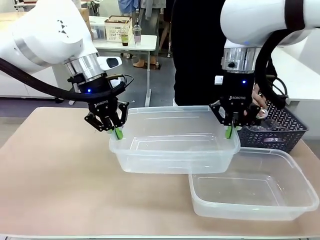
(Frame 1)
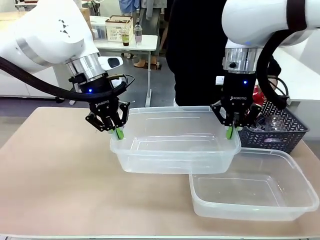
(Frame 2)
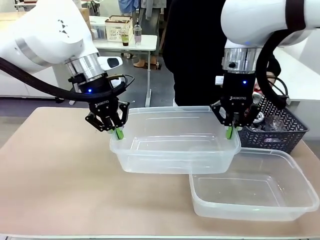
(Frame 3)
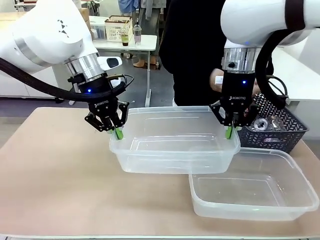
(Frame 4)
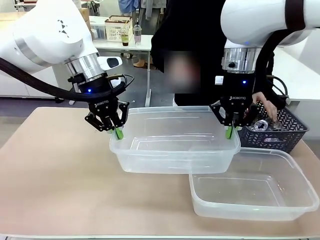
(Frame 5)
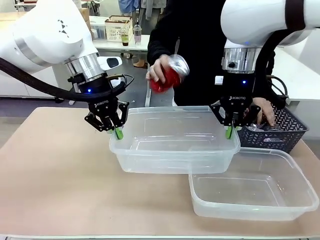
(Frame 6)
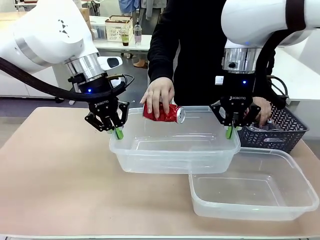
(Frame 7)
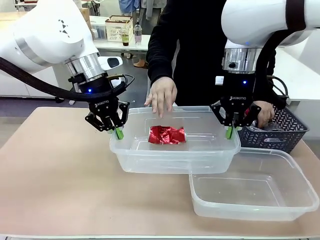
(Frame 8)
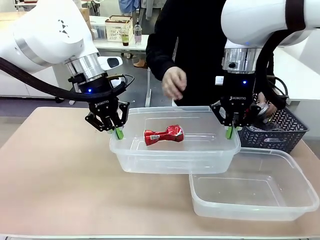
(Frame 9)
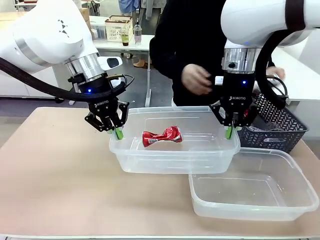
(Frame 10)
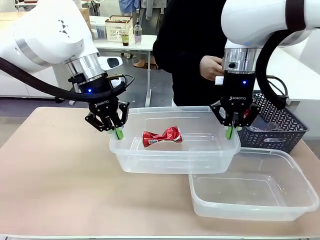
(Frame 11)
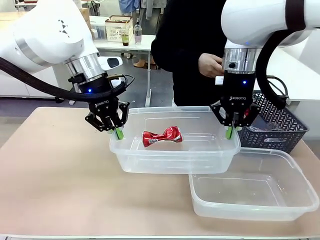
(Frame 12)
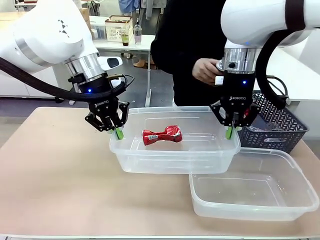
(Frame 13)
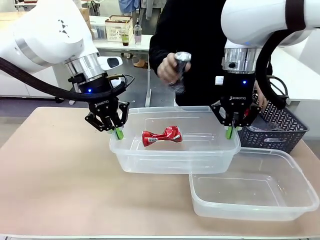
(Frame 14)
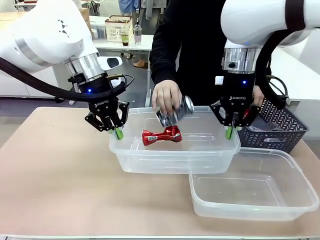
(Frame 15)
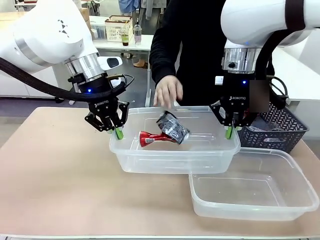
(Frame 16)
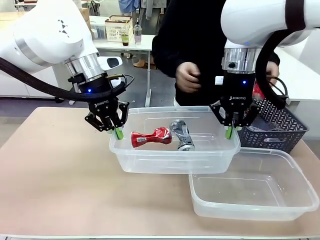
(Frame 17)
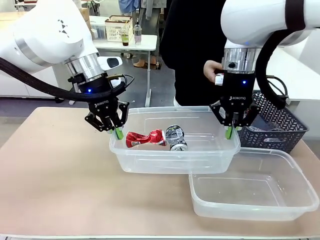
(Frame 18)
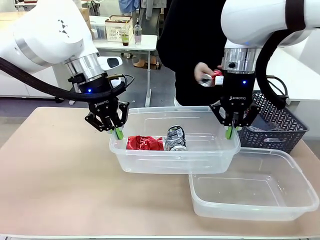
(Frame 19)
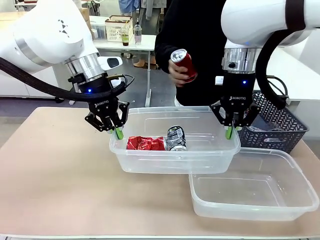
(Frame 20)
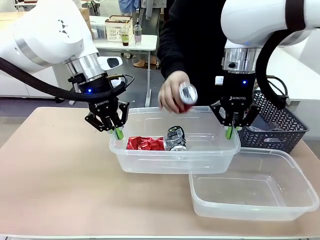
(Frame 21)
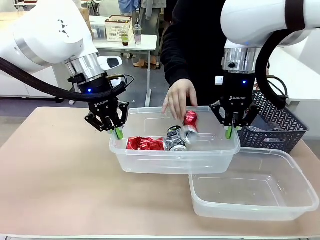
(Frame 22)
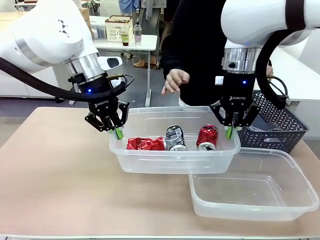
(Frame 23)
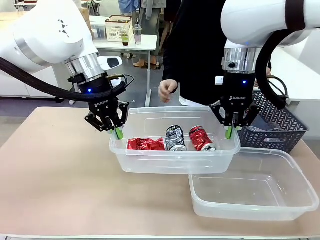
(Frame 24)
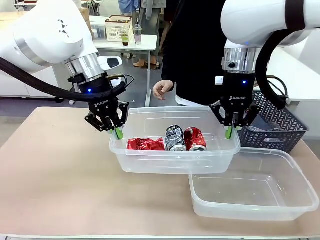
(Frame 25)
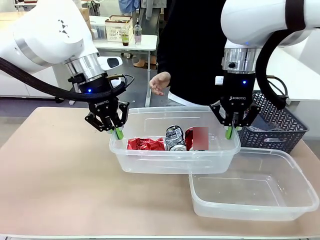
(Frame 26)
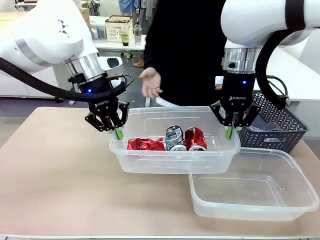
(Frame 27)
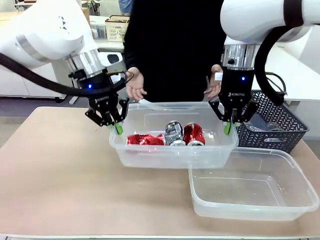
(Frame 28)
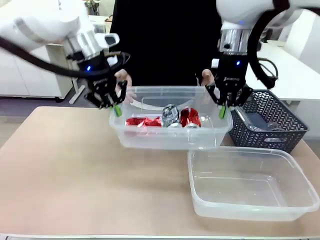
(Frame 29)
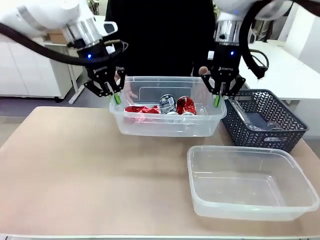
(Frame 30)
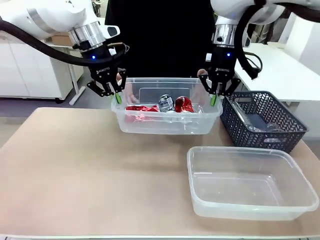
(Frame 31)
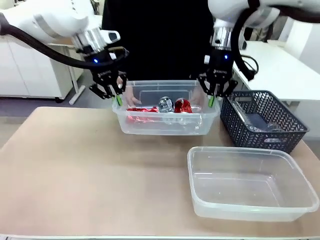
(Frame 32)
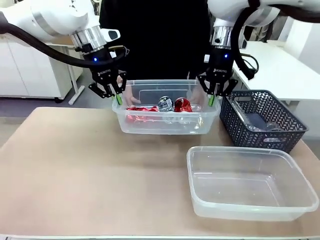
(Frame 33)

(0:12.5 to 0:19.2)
Robot: Offer the picked Organizing box to the human.

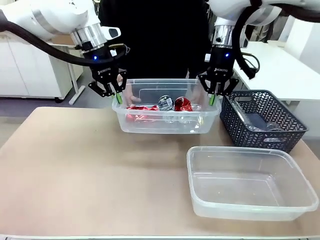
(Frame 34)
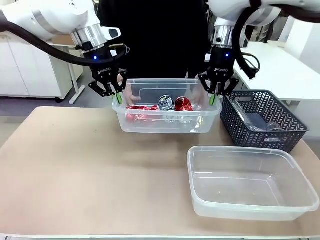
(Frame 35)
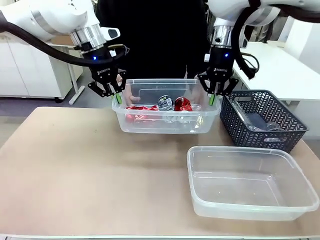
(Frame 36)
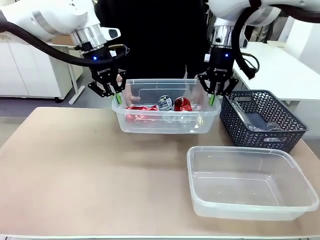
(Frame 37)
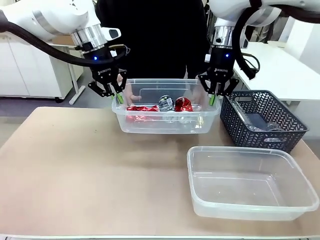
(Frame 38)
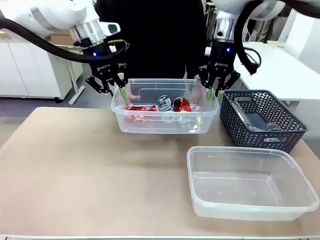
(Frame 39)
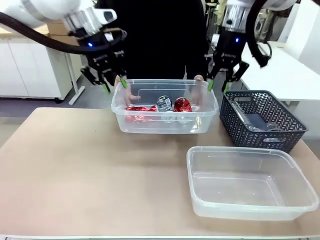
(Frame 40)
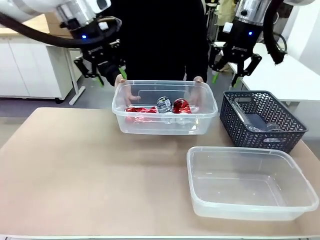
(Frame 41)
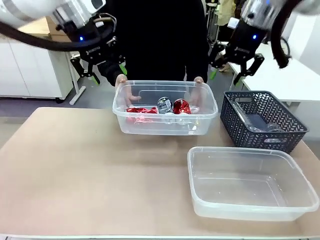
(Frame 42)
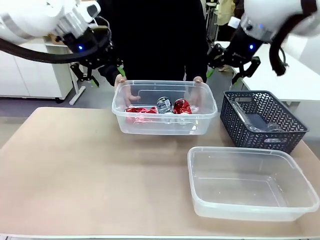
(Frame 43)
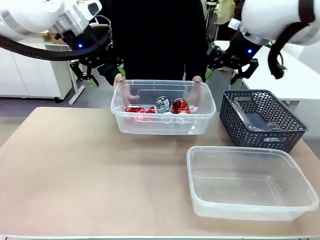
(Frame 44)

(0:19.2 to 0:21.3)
Robot: Release the Organizing box you were holding.

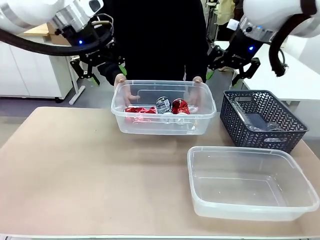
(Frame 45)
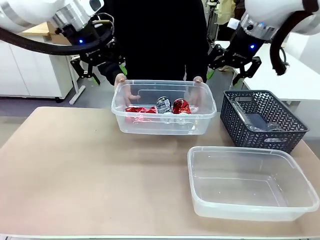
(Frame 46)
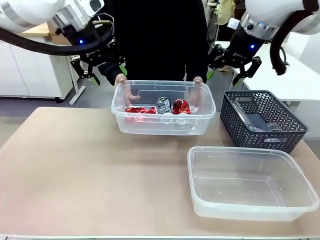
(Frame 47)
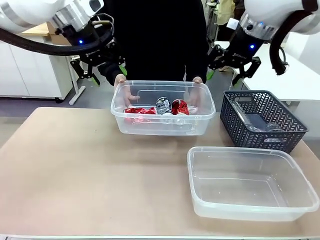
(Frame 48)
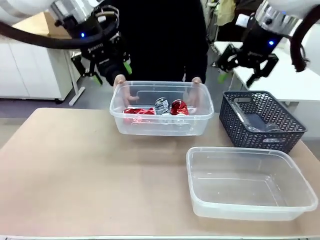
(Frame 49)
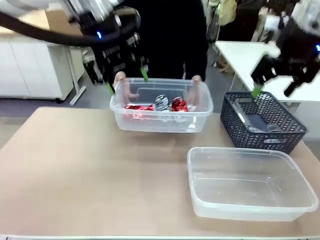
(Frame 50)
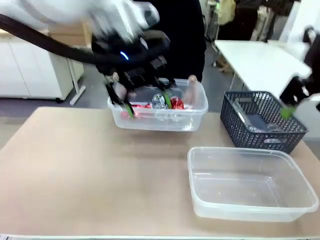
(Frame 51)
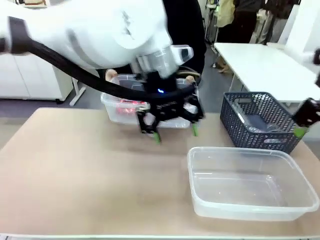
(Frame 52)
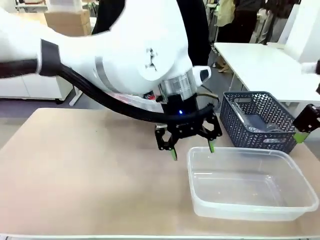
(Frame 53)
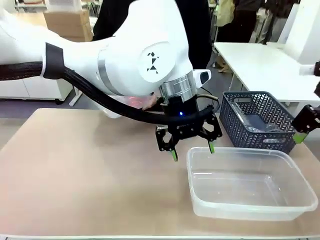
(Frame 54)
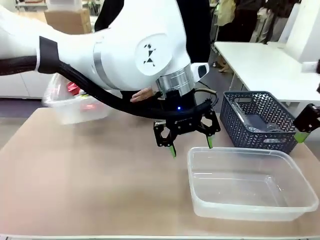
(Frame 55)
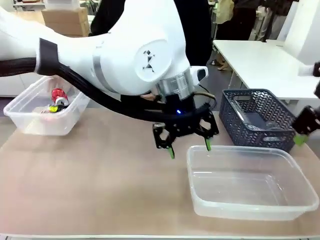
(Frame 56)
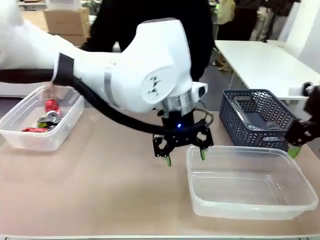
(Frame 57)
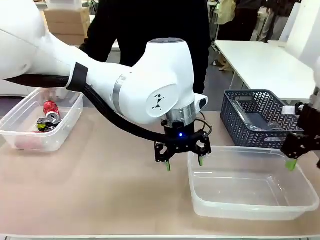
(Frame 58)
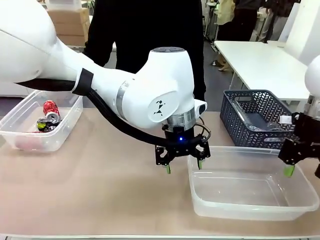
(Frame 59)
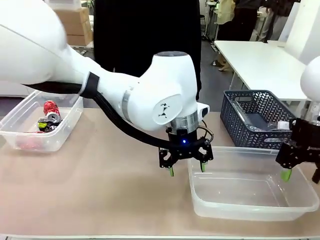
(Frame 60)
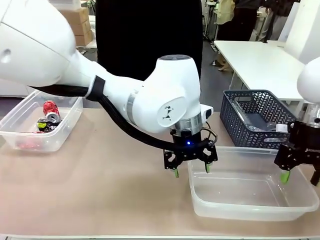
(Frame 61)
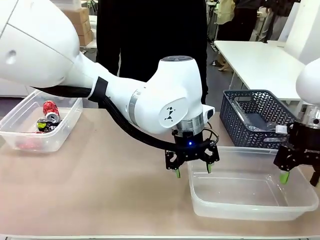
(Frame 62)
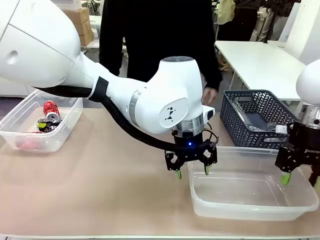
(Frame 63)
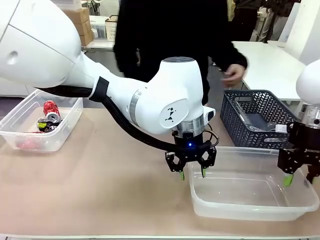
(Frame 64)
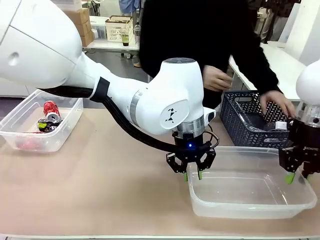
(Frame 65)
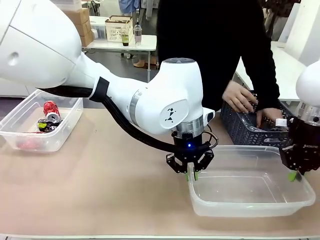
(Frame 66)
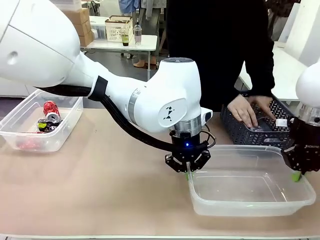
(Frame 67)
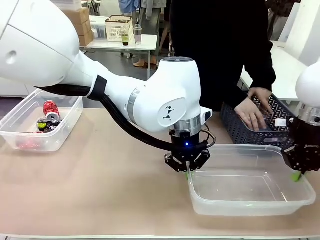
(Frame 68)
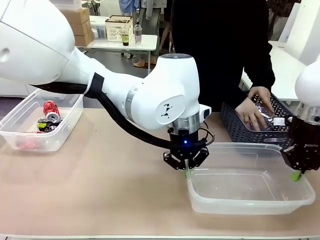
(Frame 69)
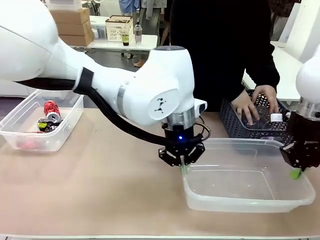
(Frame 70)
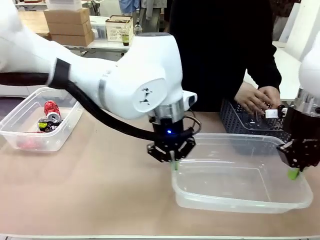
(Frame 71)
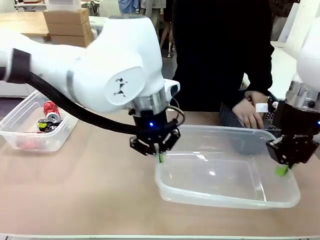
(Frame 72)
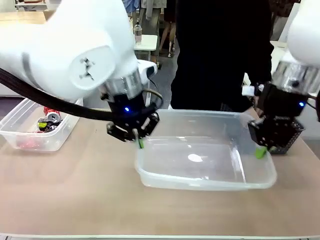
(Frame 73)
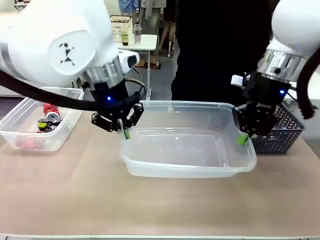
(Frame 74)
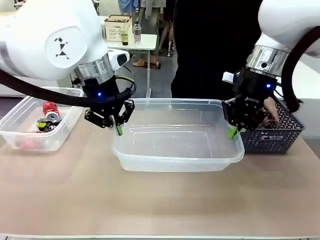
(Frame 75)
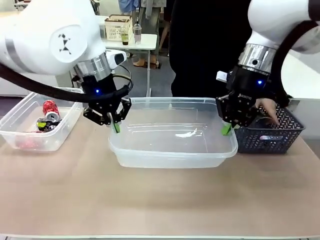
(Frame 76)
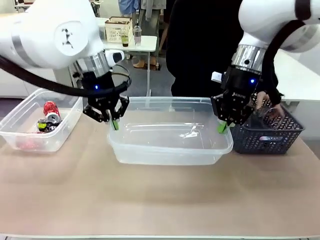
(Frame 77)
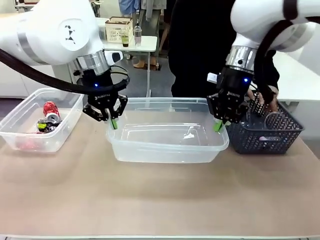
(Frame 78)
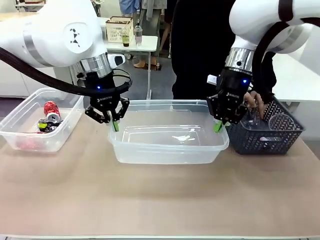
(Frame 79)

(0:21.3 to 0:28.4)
Robot: Pick up the Organizing box on the right side of the table and lift it.
Person: Place it at the edge of the bottom right area of the robot table.

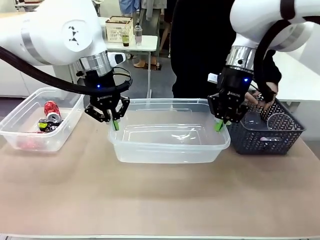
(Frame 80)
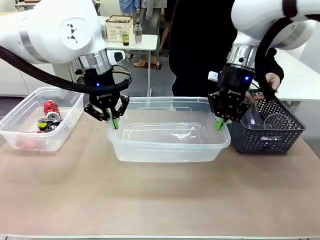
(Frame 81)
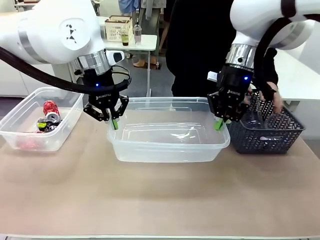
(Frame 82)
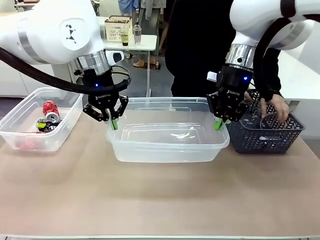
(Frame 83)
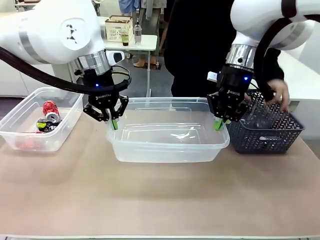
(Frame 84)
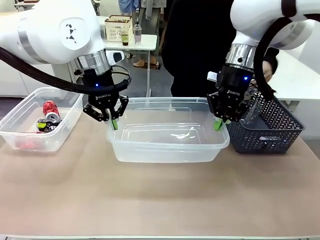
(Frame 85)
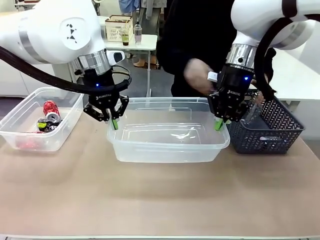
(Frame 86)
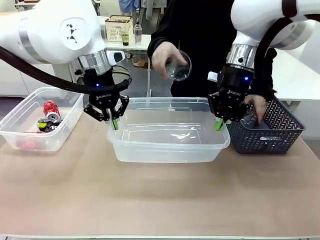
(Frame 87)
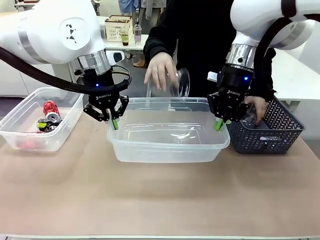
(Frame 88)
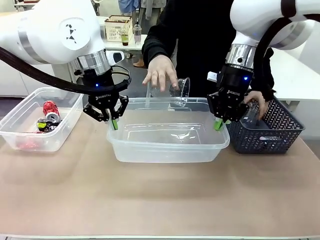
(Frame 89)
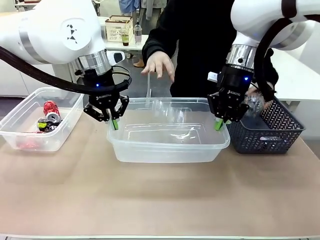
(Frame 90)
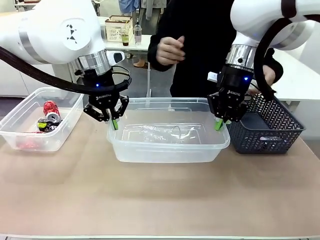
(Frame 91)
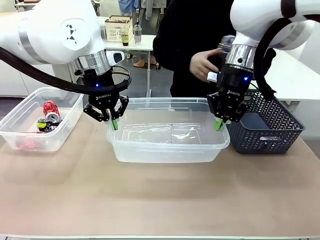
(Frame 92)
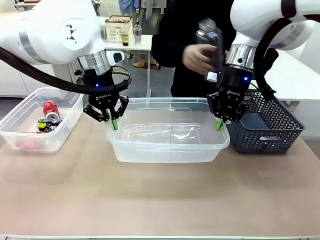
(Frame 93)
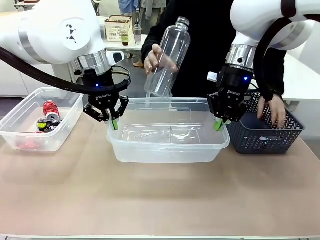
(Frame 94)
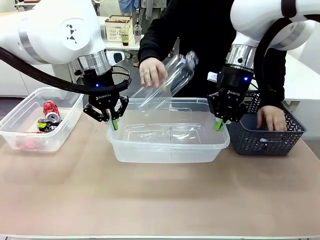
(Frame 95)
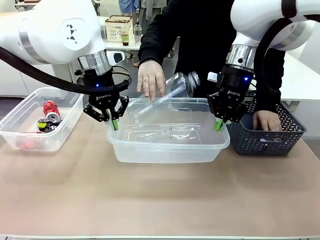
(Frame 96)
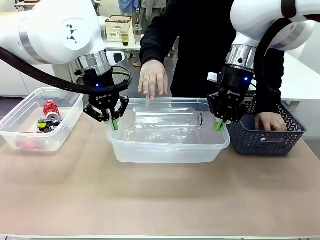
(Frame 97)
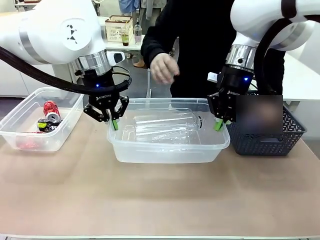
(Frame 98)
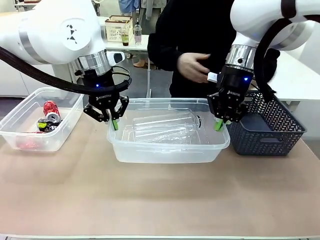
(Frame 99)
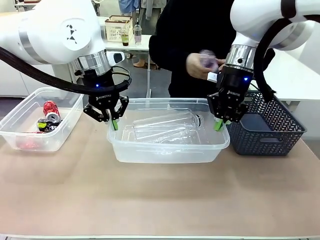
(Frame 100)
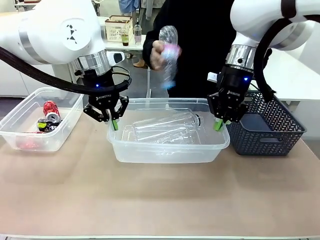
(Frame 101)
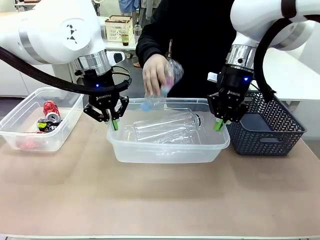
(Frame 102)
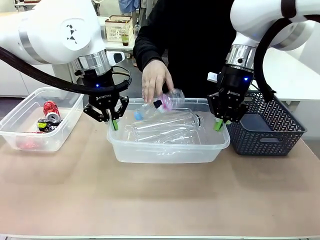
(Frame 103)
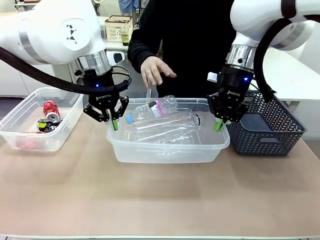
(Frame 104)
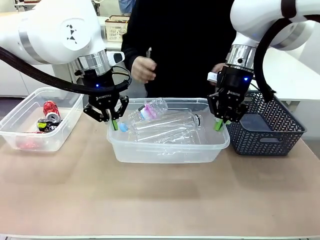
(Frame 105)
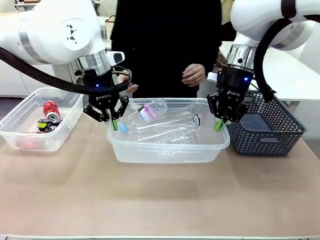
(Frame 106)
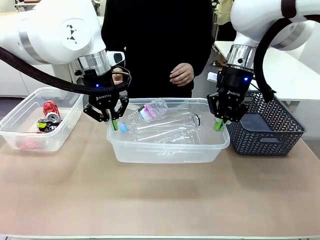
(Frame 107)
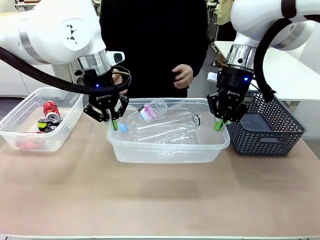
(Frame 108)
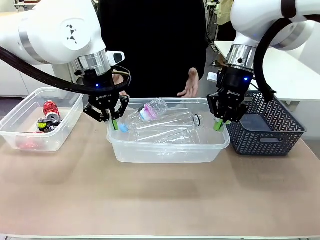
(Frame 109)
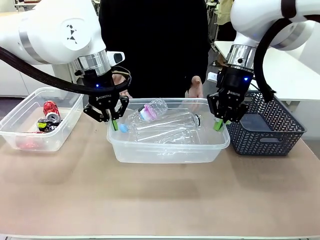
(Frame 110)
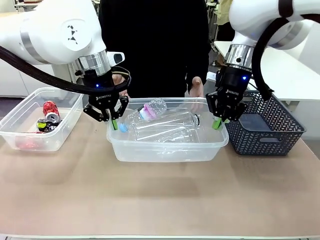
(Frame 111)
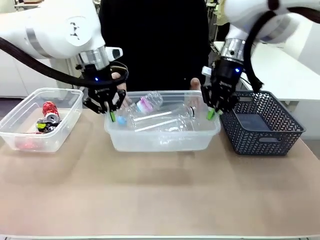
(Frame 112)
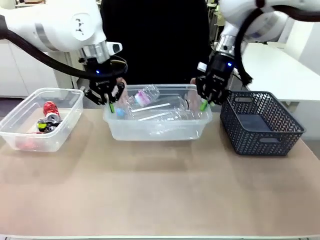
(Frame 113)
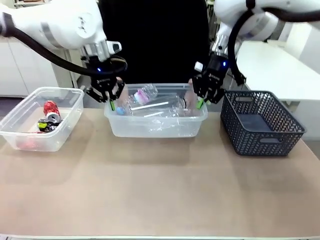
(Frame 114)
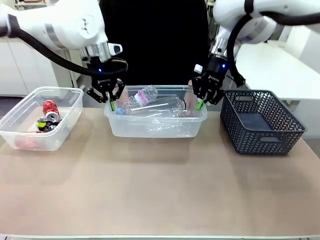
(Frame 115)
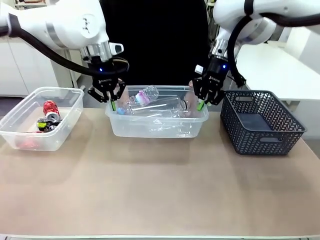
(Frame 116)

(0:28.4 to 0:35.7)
Robot: Offer the picked Organizing box to the human.
Person: Pick up plastic waste one by one and place it into the organizing box lifted by the robot.
